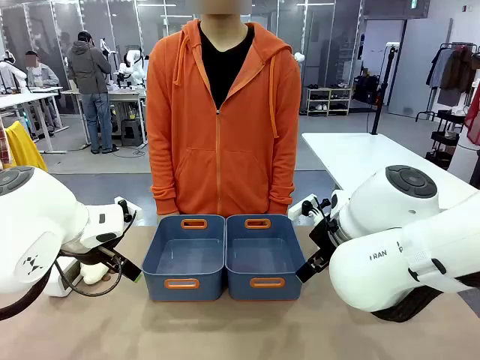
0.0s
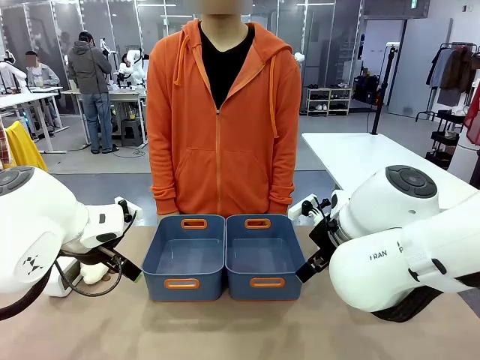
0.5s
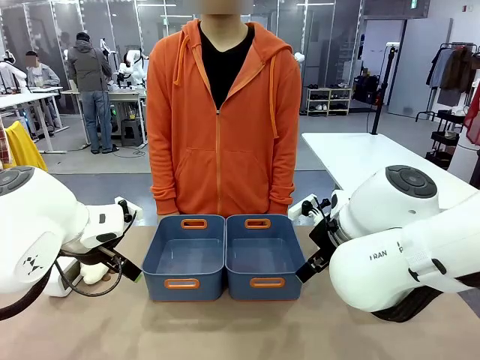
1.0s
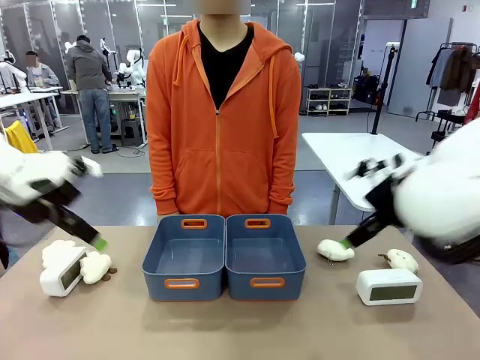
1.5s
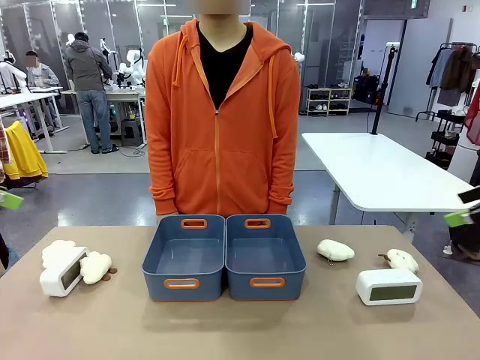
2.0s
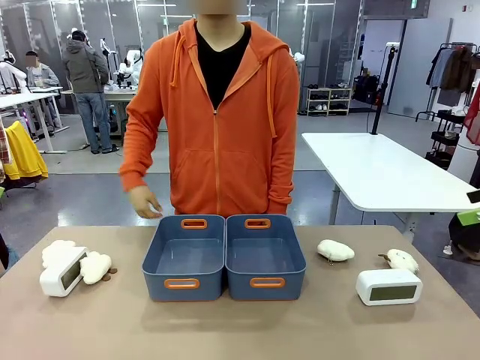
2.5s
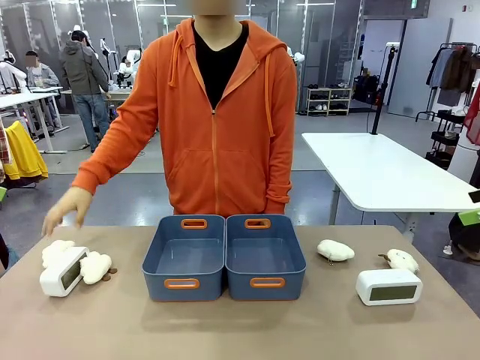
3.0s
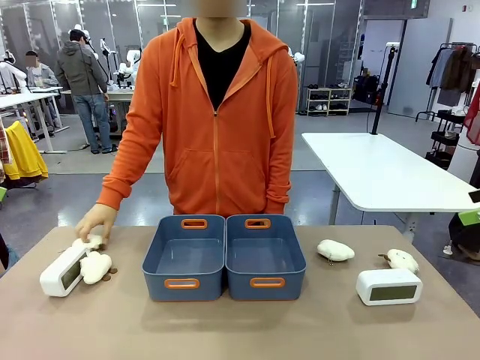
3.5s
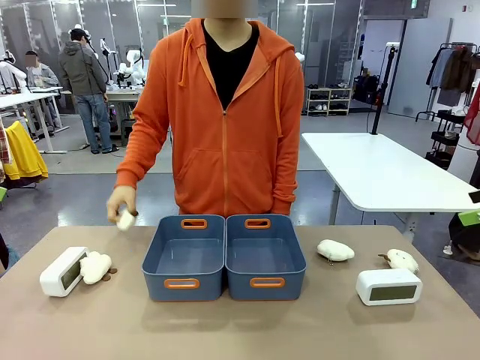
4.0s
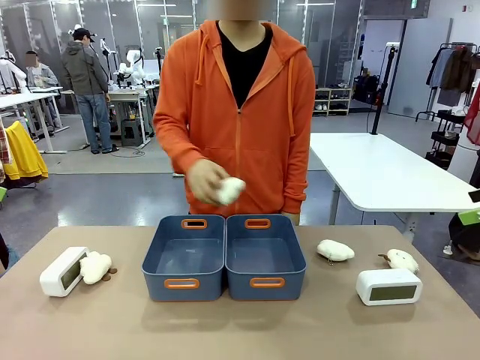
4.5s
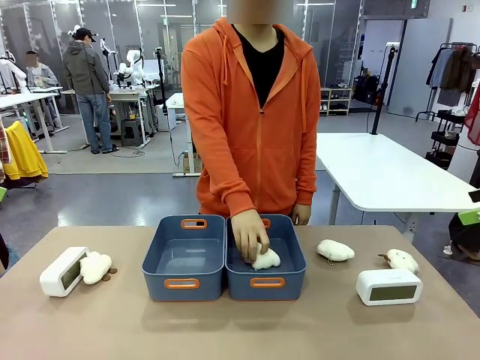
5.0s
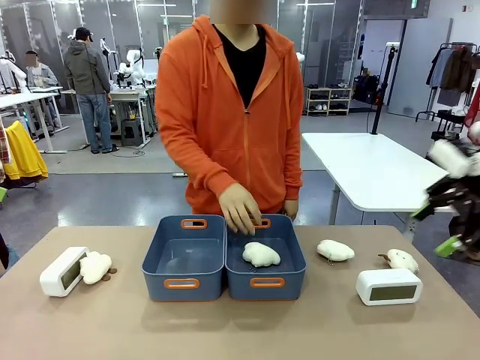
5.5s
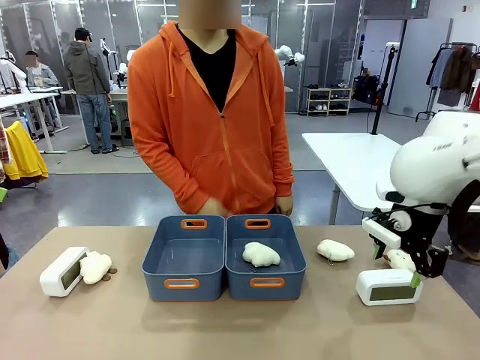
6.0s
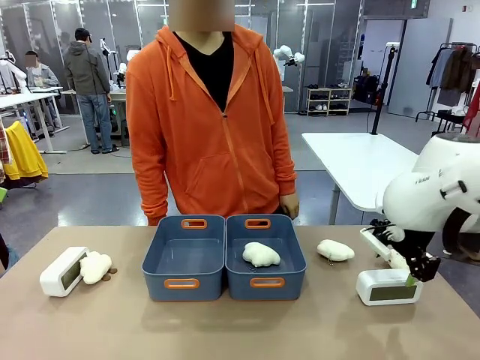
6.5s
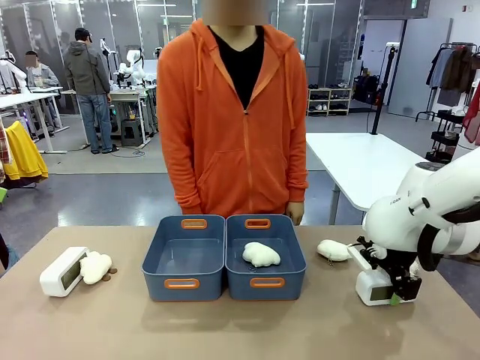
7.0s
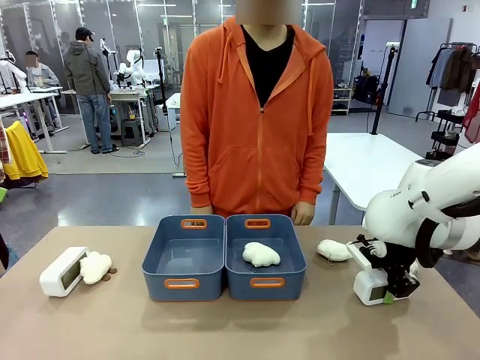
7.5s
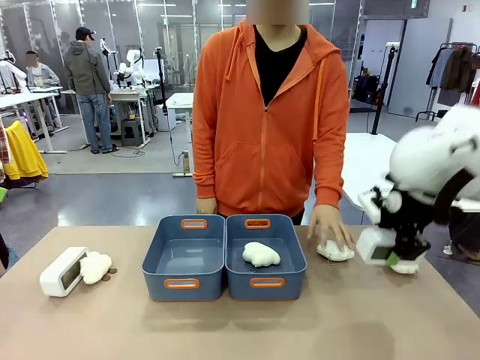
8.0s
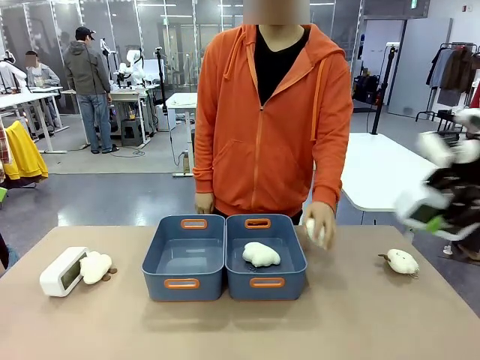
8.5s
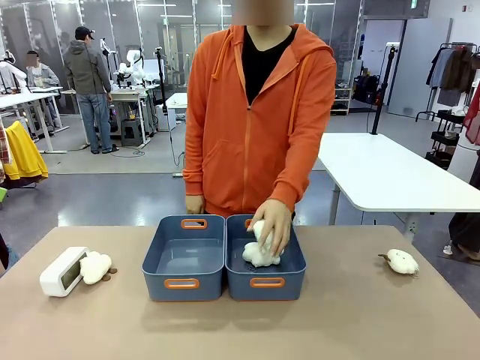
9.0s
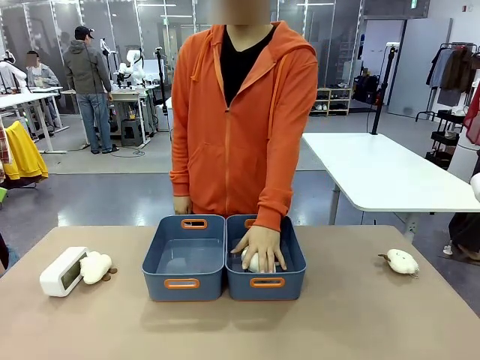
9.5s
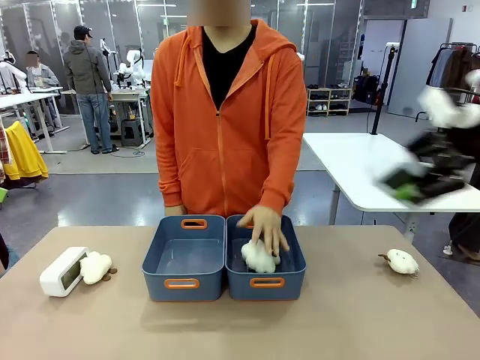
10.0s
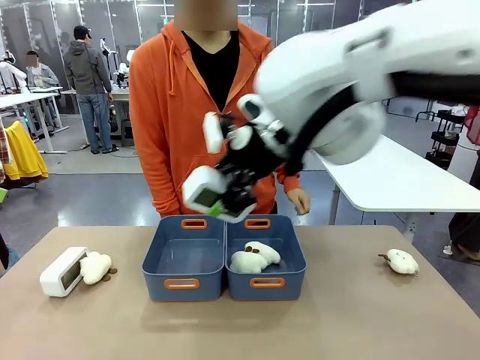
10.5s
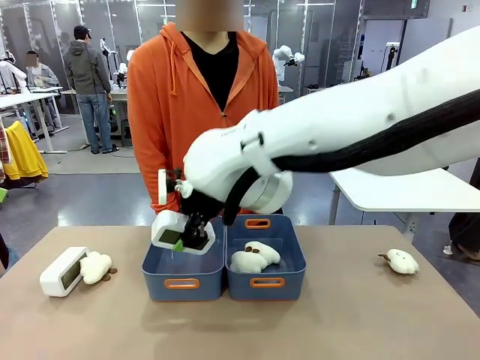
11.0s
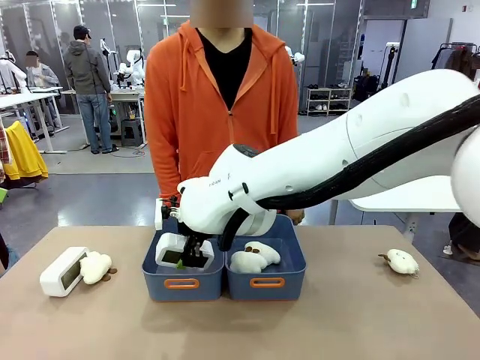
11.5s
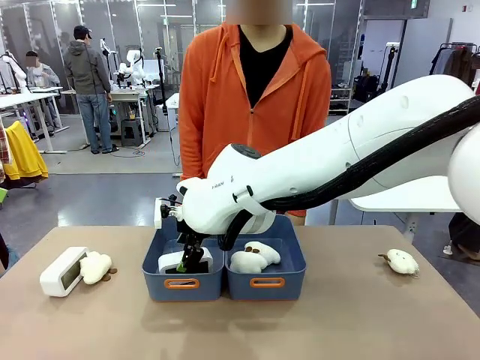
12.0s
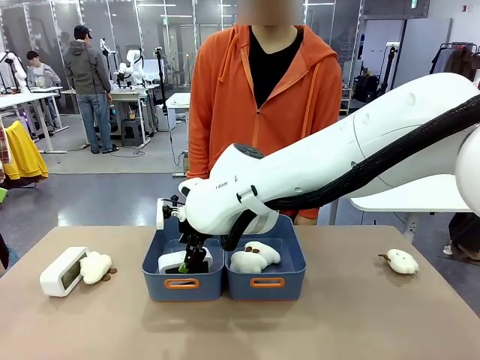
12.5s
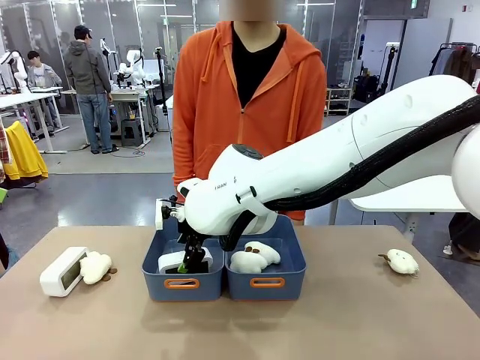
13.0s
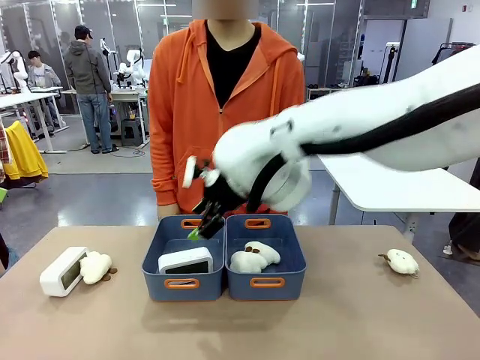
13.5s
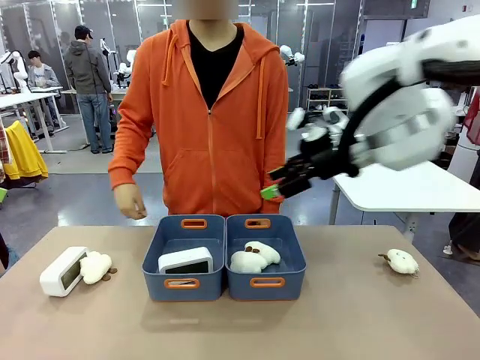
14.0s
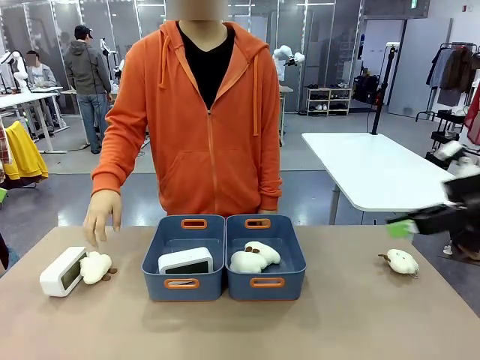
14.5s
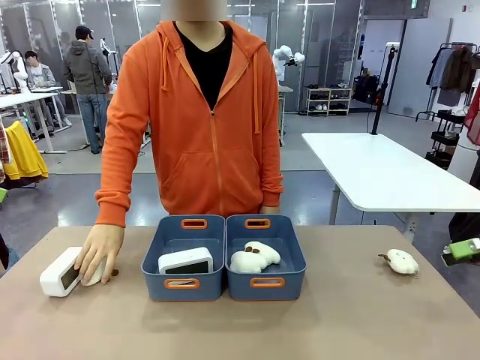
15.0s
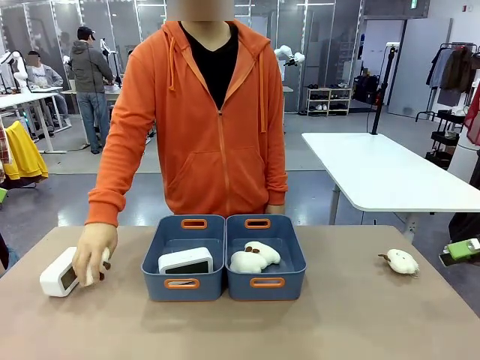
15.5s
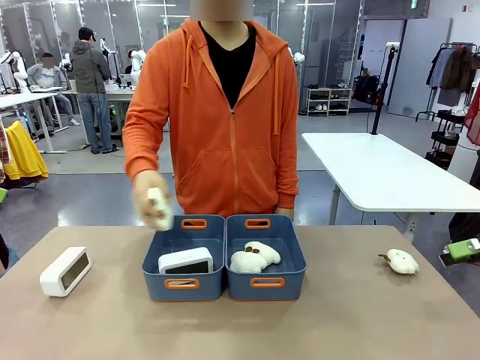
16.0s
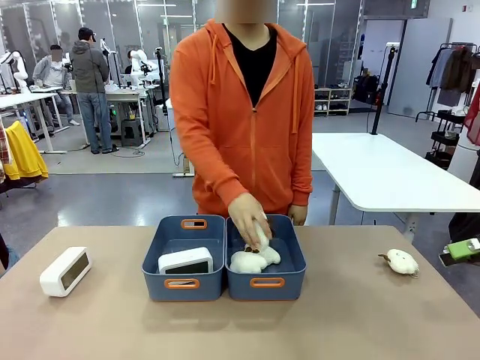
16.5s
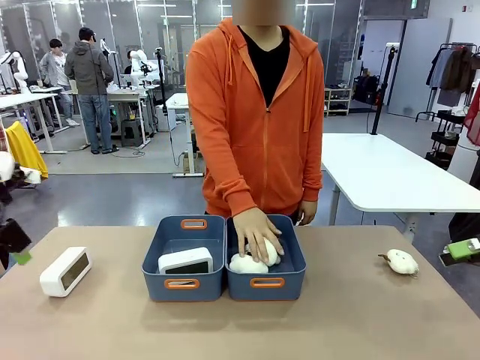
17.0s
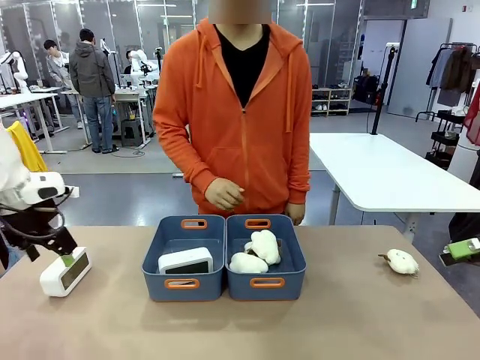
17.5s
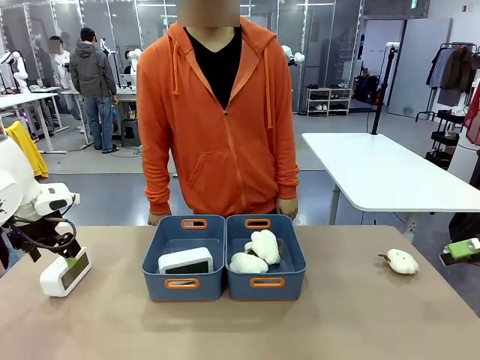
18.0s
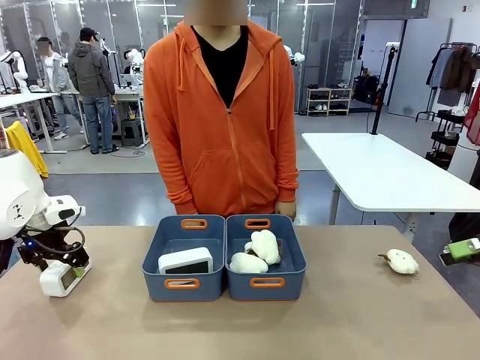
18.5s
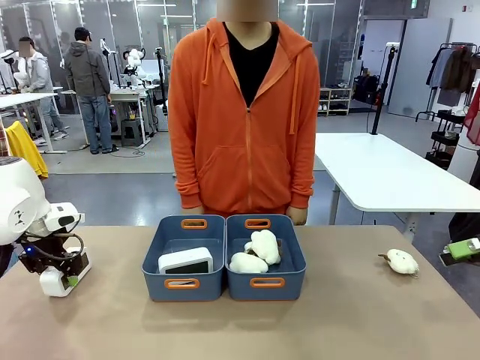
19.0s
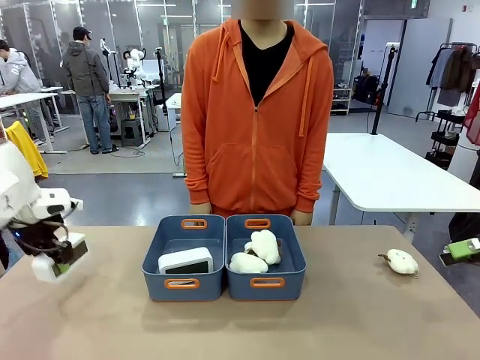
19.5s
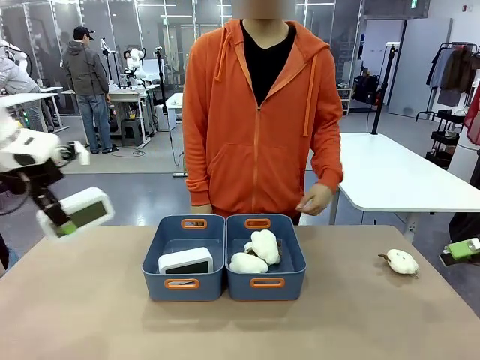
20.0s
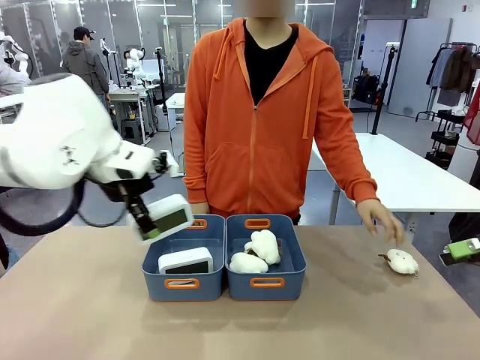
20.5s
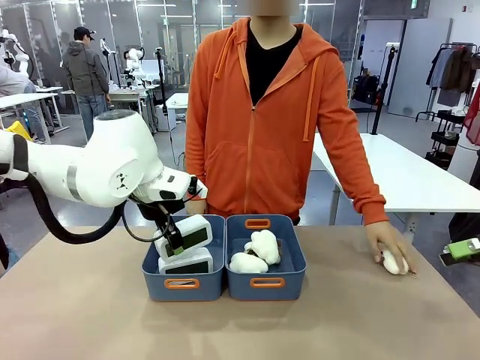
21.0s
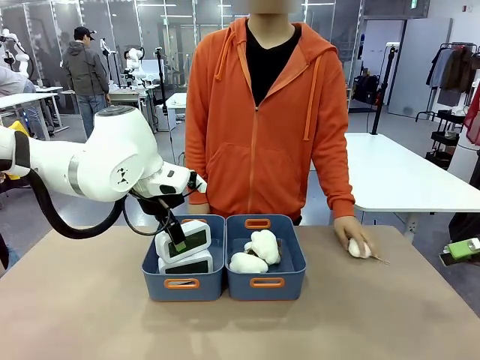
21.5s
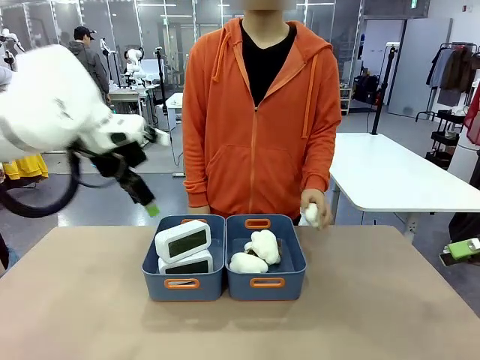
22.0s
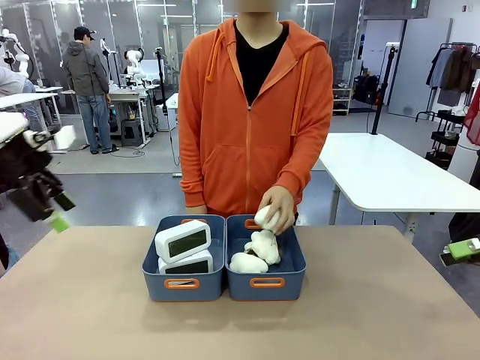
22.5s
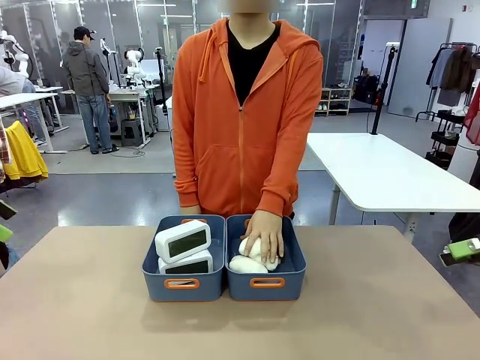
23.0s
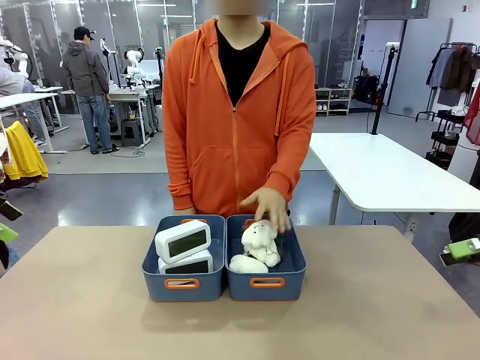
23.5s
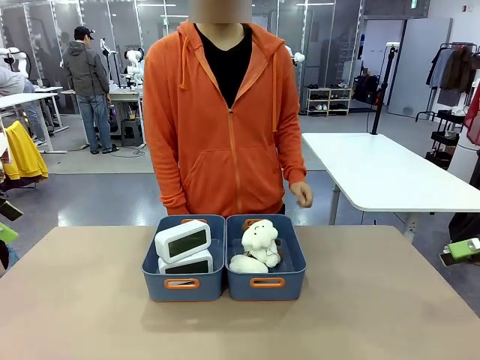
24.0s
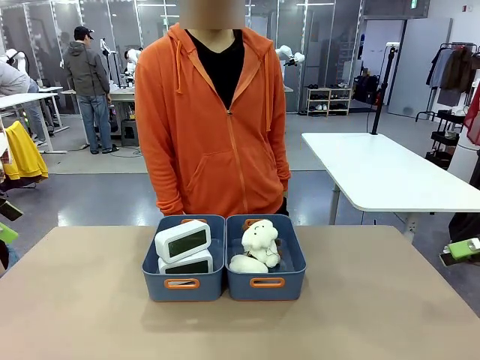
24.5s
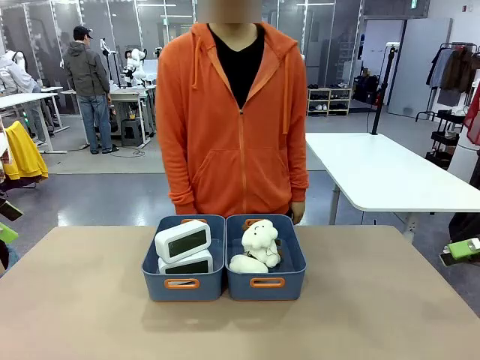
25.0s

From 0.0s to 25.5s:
Task: Sort the digital clocks into the basket.
Robot: Pick up the Digital clock from the table and place it into the empty Plastic storage basket.
Person: Pick up a plush toy from the table and place it in a plastic storage basket. Pick up a plush toy from the table and place it in the plastic storage basket containing the plush toy.
